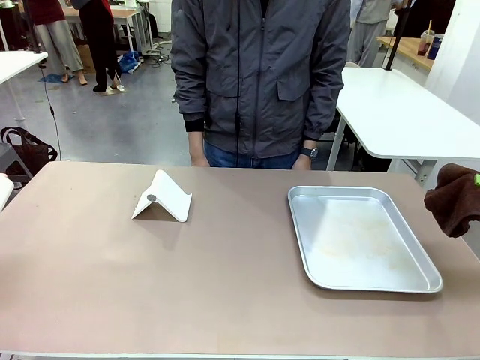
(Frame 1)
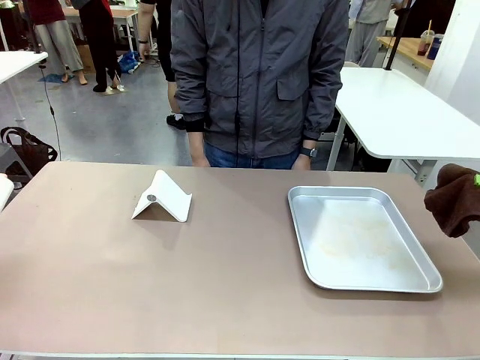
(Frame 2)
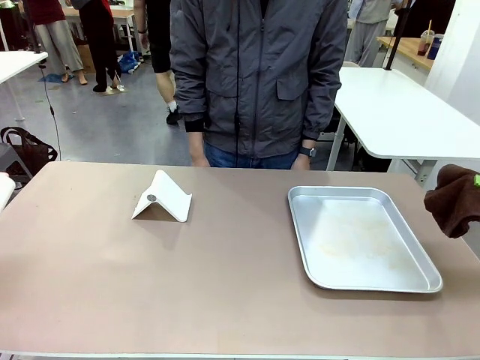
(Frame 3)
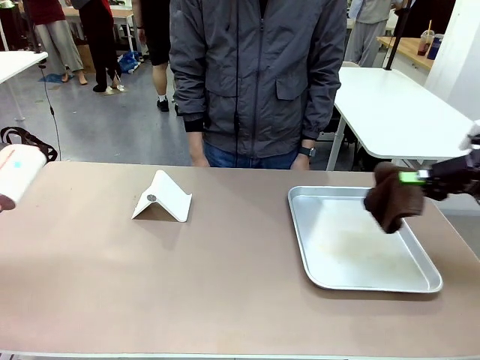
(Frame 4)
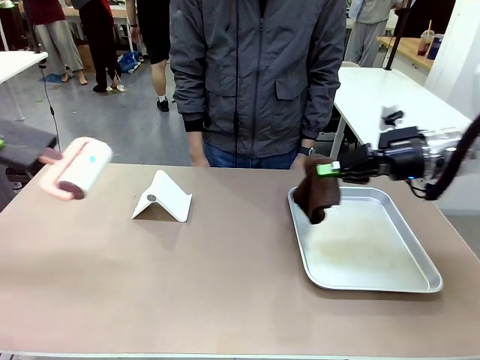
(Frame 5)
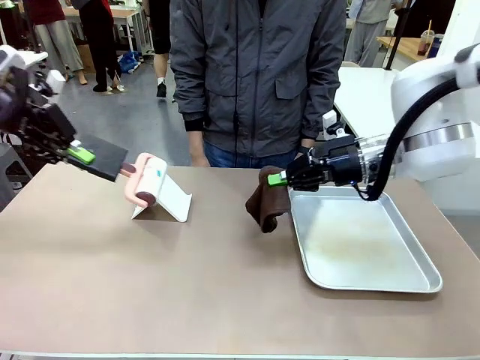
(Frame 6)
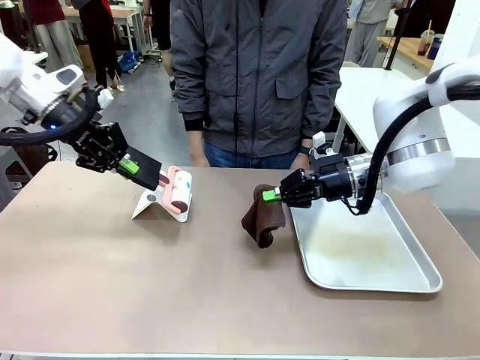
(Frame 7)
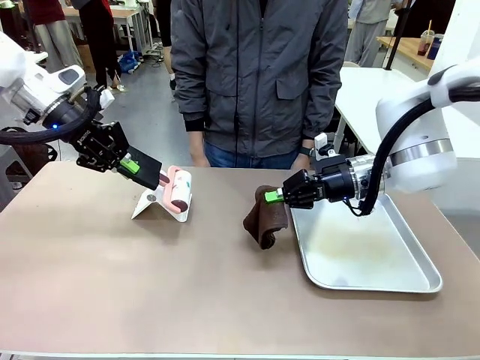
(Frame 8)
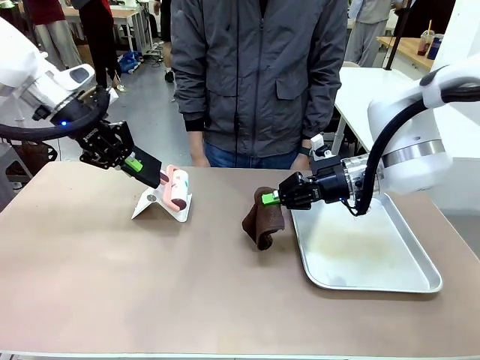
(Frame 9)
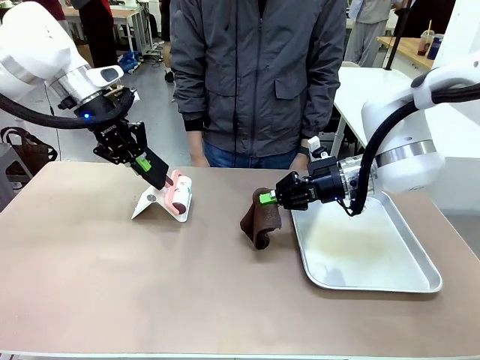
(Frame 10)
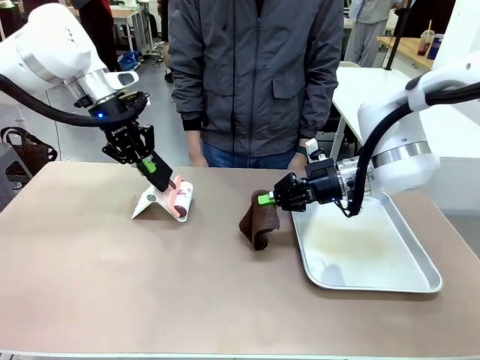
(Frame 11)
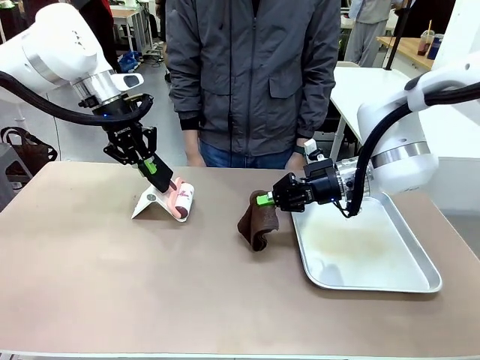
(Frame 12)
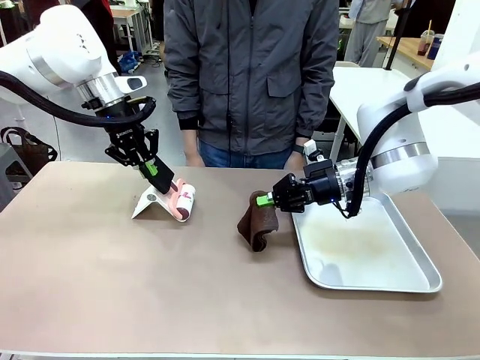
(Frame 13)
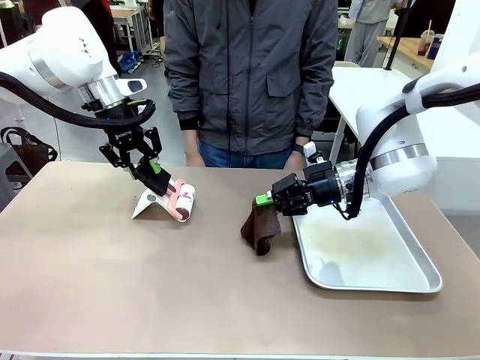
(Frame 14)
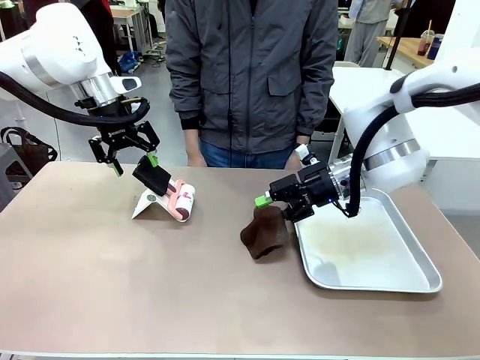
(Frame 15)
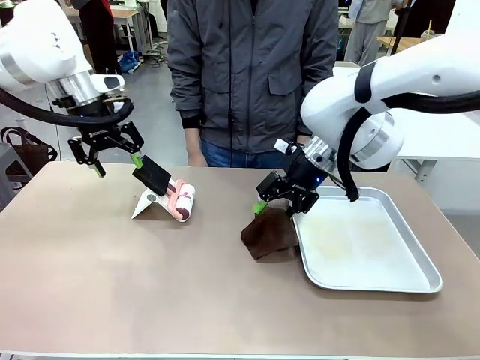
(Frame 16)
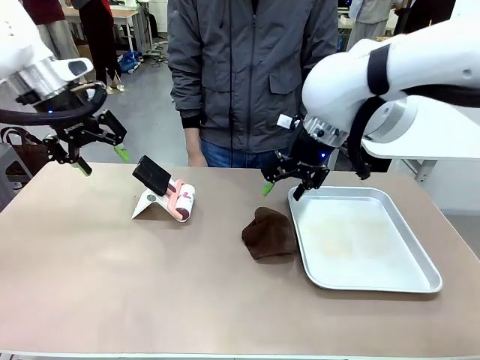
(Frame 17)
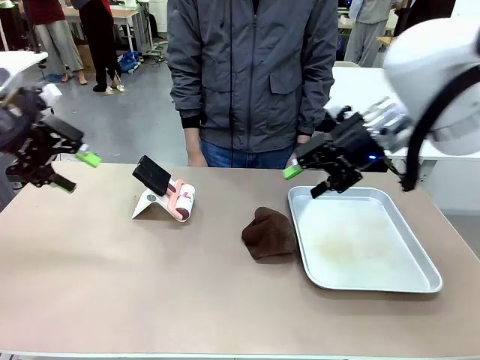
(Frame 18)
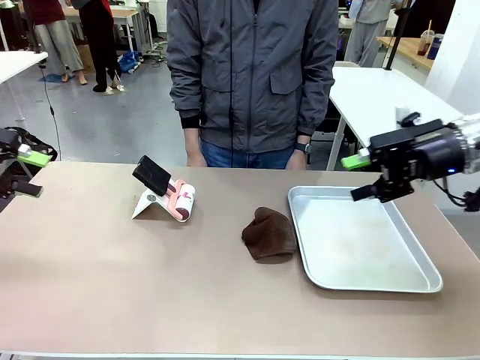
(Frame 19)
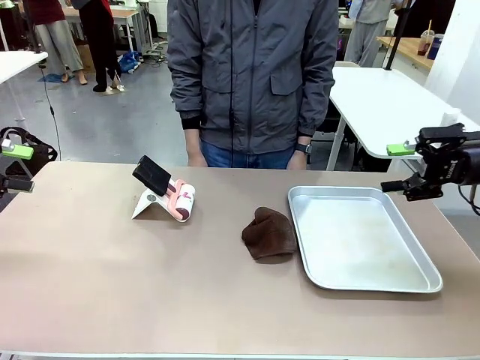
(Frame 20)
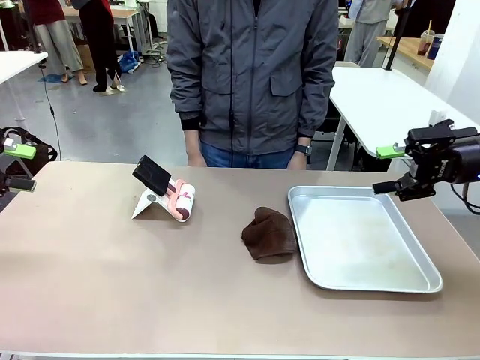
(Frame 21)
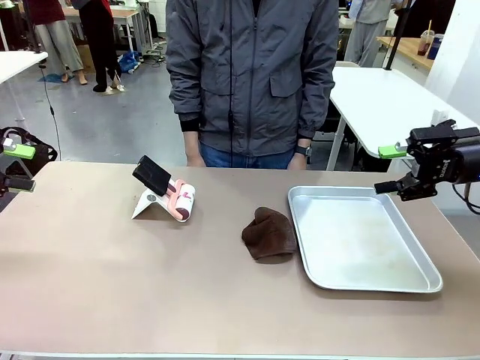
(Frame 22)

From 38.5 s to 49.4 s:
Task: Clean the surface of the table.
Robot: Return the Lint Roller and towel to their original positions.

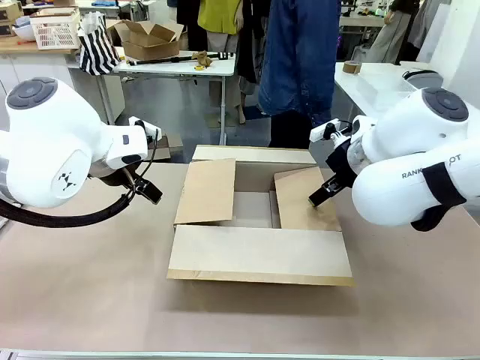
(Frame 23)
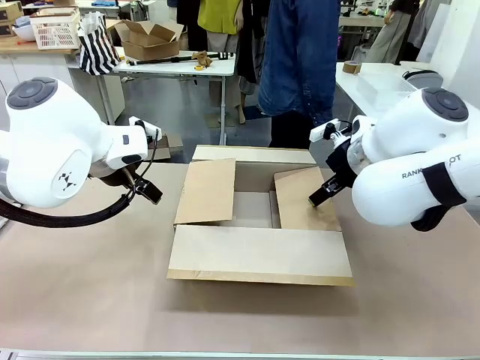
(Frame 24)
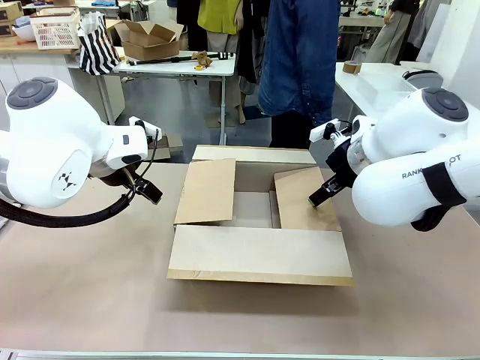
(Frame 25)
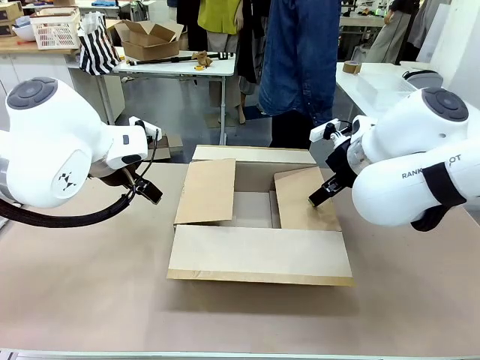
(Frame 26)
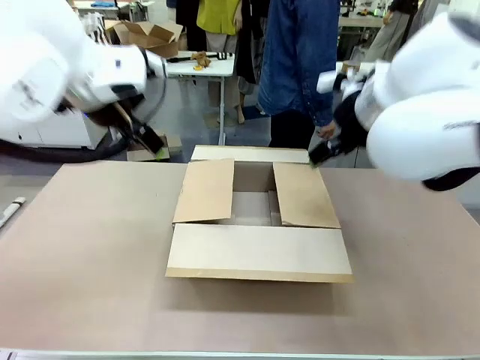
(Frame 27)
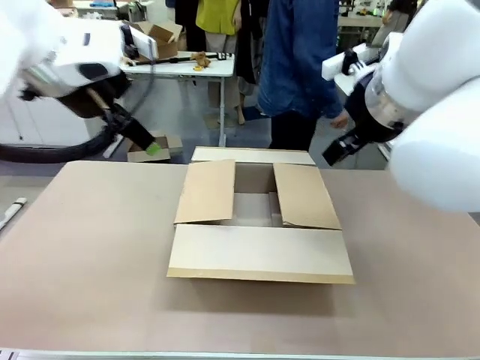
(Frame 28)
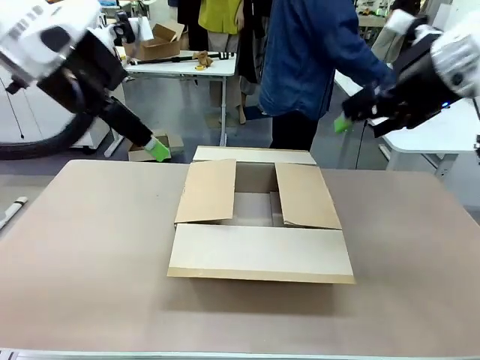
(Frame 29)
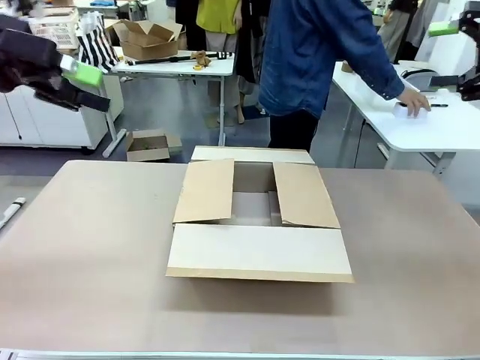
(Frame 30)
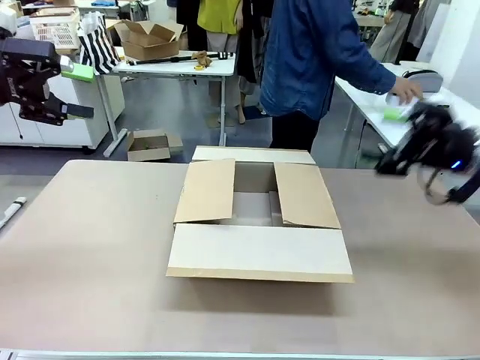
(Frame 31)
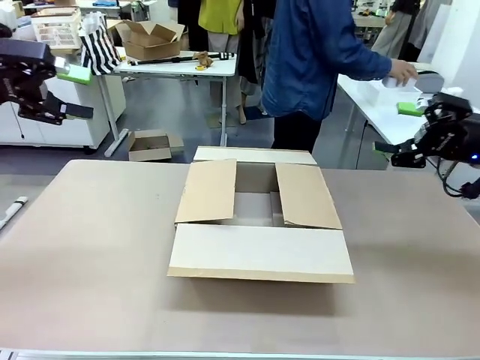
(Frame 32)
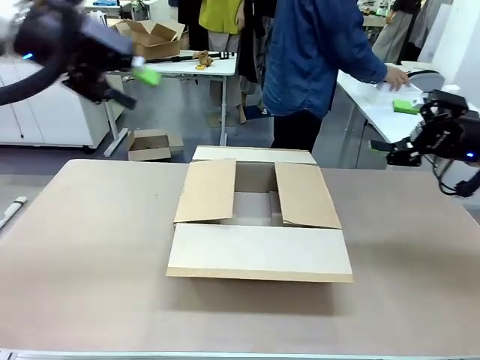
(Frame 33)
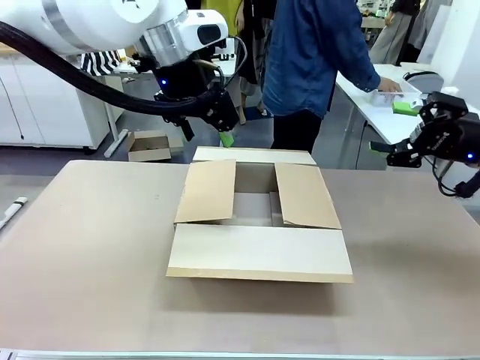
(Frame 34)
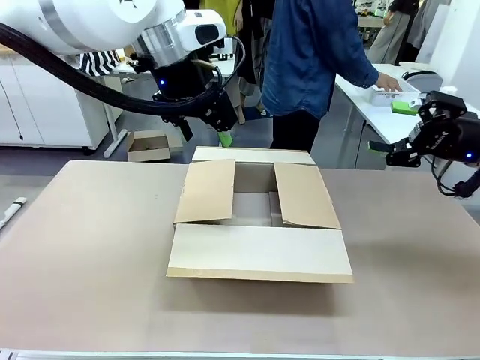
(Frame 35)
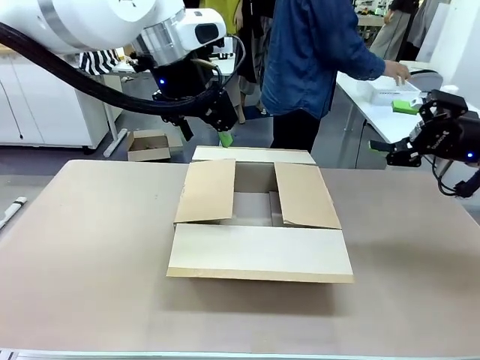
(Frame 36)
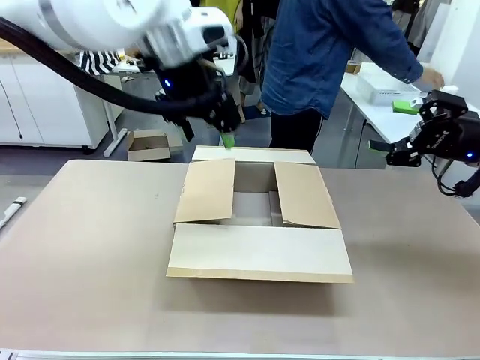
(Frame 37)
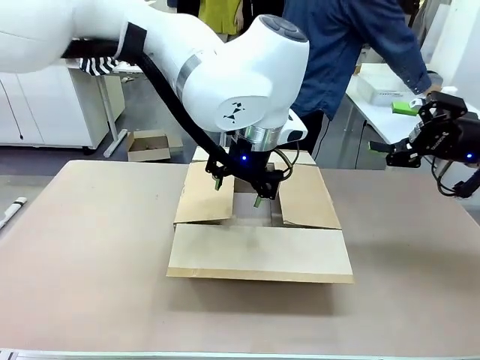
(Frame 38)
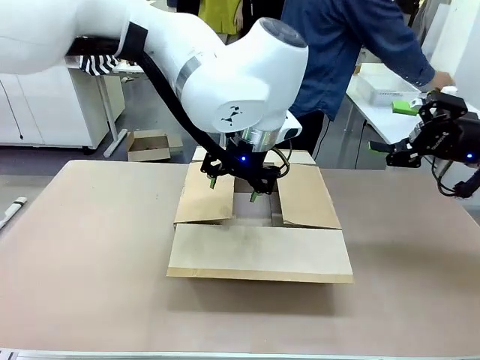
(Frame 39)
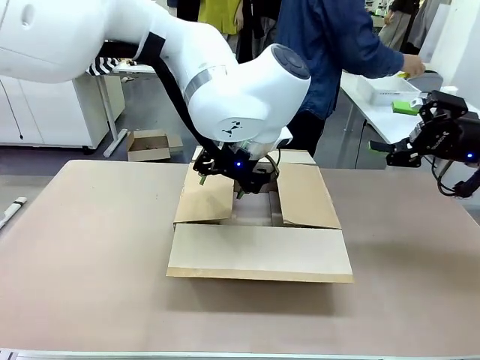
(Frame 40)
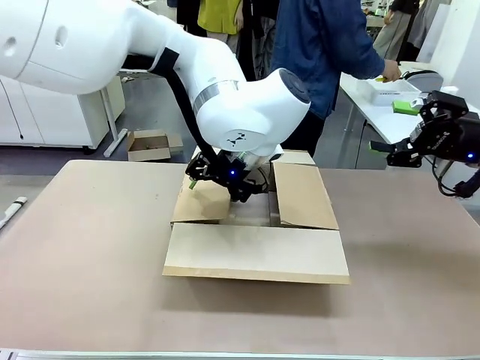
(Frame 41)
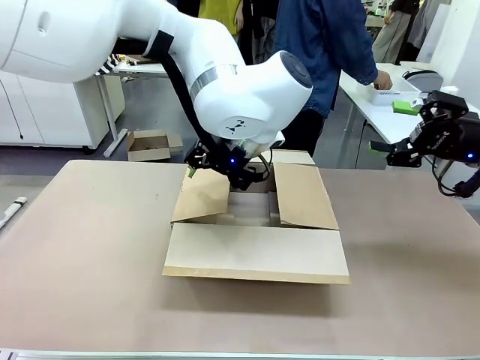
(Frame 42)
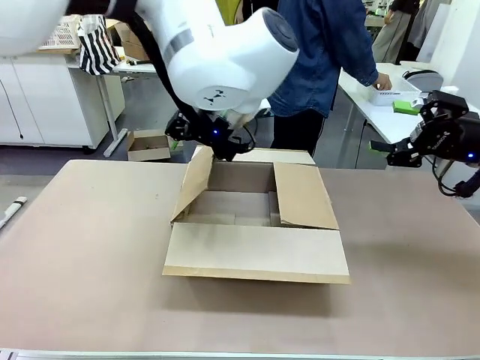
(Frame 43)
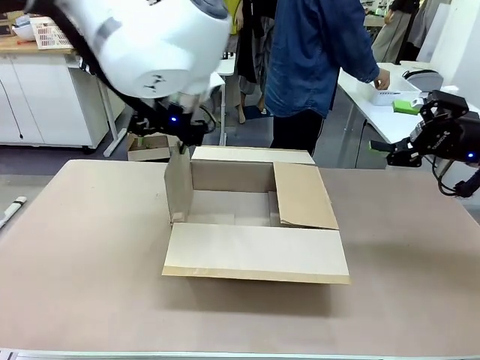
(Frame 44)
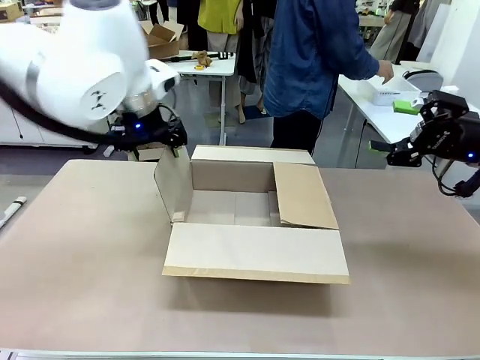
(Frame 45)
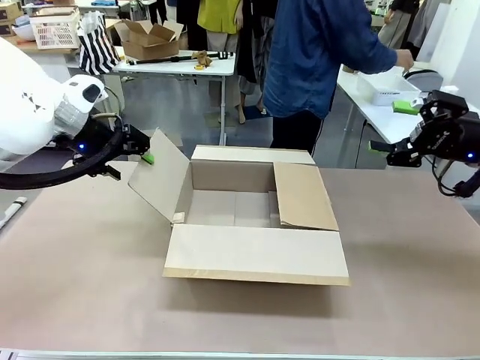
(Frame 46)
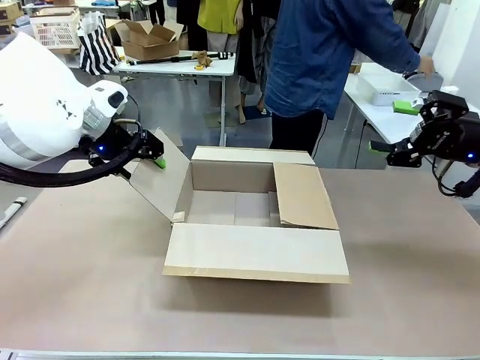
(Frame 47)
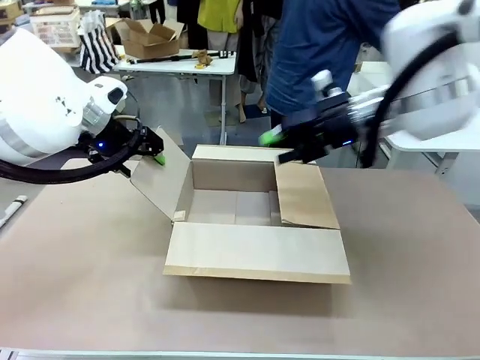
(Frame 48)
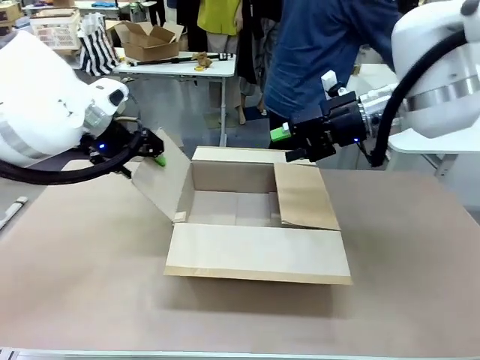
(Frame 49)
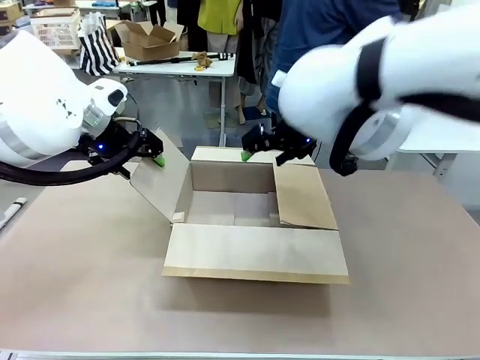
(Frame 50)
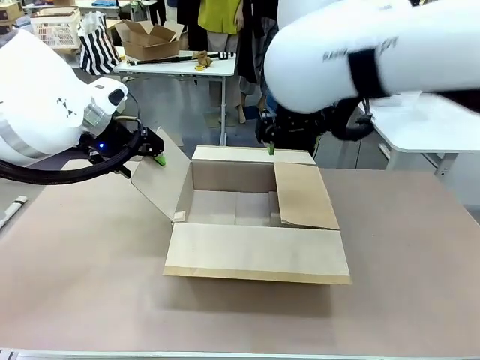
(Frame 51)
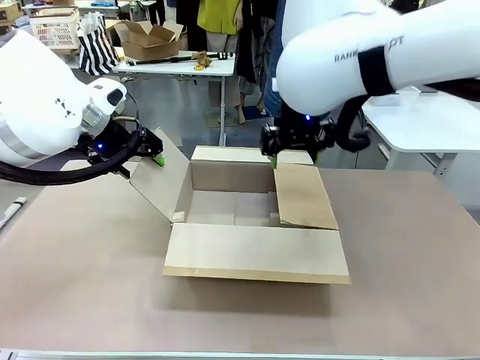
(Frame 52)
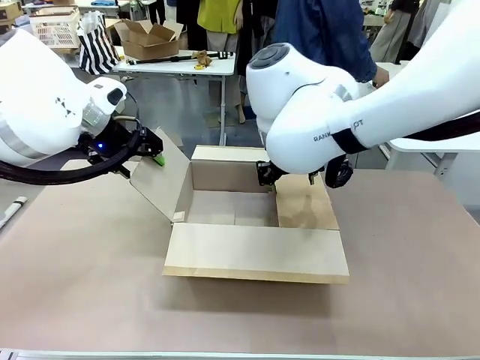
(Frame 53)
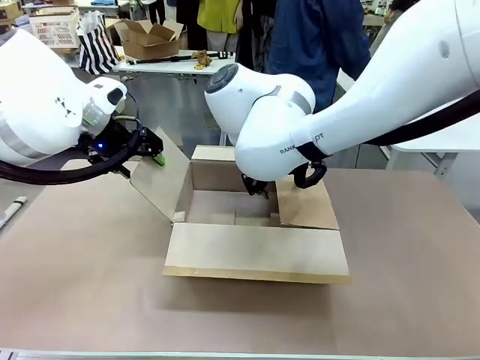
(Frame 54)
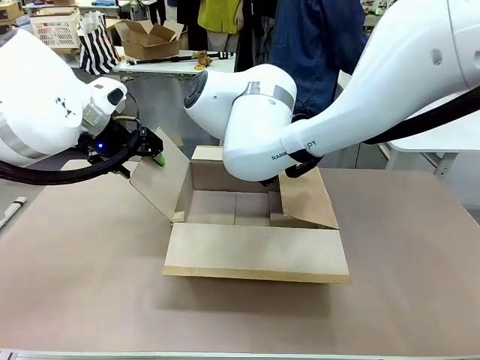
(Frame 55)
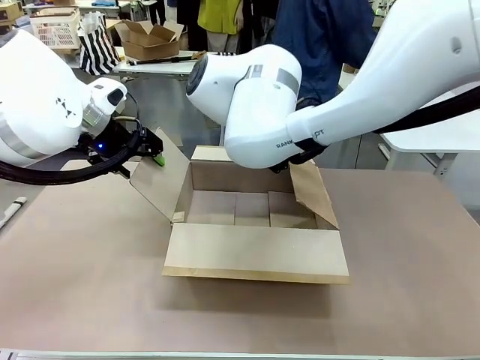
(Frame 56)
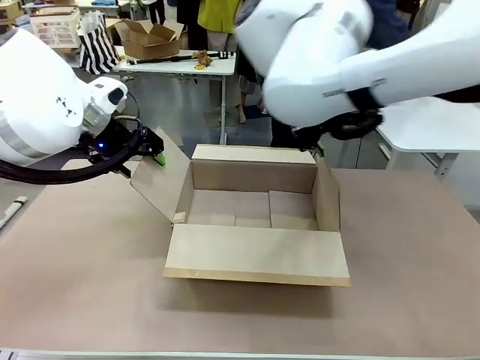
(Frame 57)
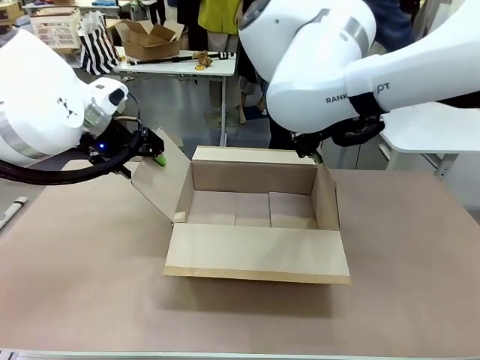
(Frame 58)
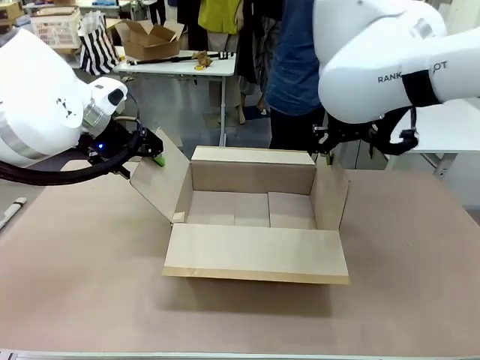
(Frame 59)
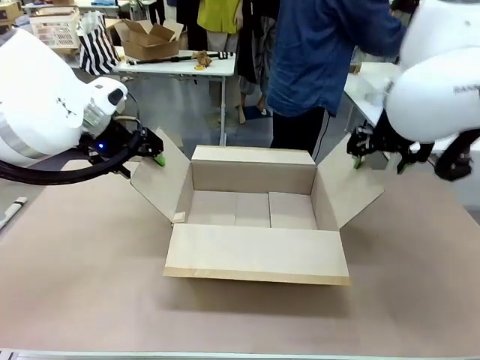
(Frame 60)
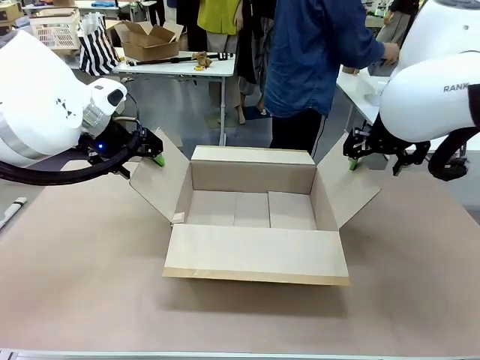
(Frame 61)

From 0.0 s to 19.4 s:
Task: Pack the gift set into the box.
Robot: Place both hands on the side flaps of the Package Box and spread them outward.
Person: The human places all items except the paper tape into the organizing basket.
